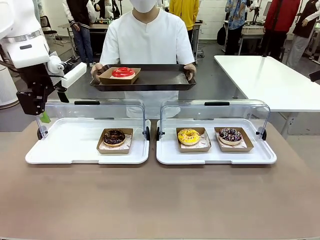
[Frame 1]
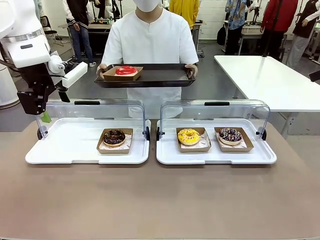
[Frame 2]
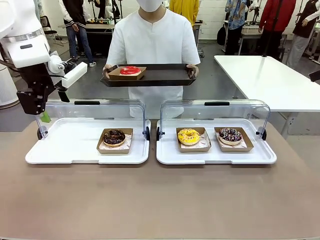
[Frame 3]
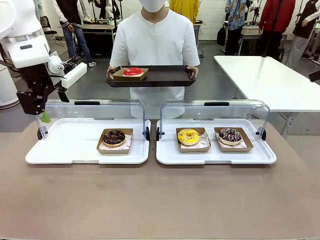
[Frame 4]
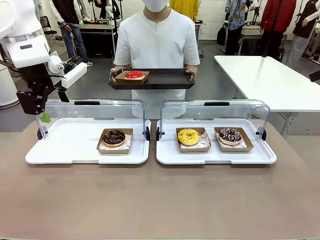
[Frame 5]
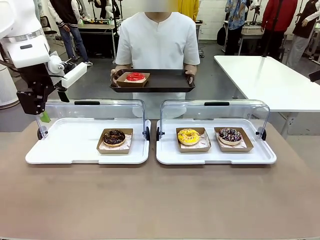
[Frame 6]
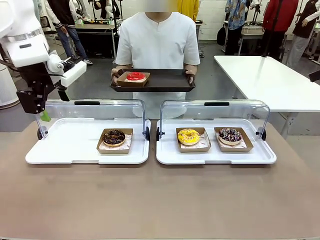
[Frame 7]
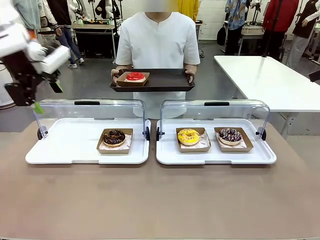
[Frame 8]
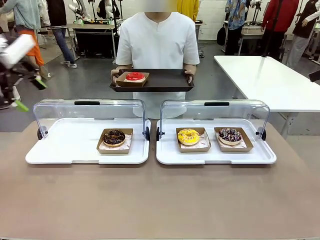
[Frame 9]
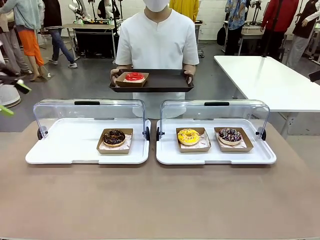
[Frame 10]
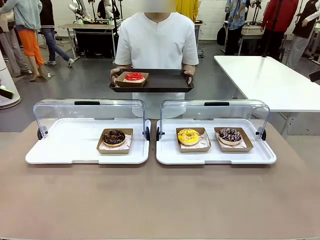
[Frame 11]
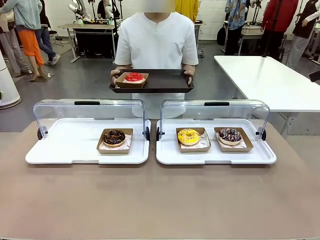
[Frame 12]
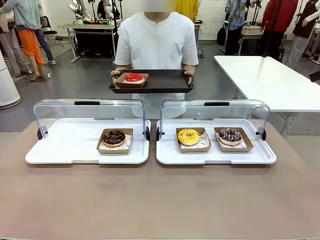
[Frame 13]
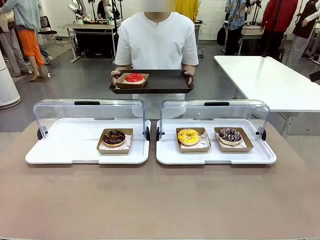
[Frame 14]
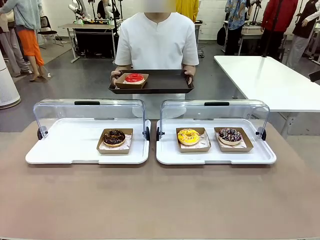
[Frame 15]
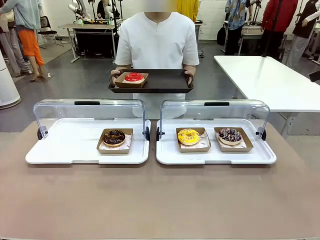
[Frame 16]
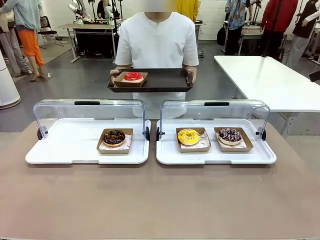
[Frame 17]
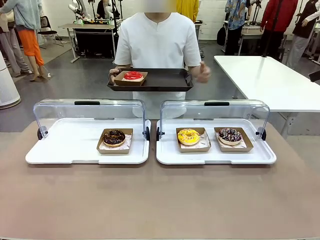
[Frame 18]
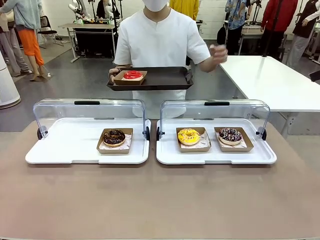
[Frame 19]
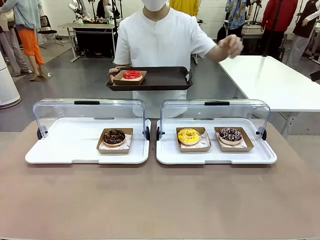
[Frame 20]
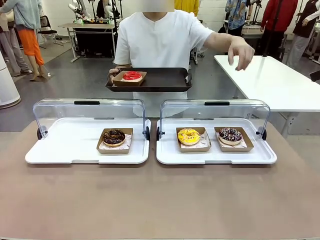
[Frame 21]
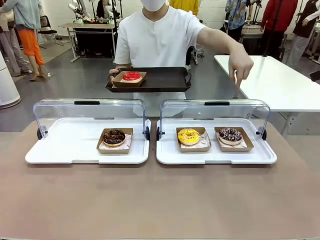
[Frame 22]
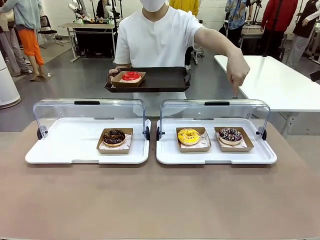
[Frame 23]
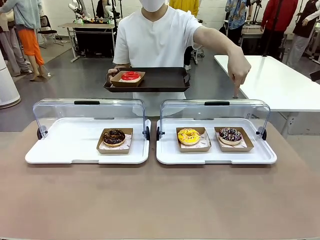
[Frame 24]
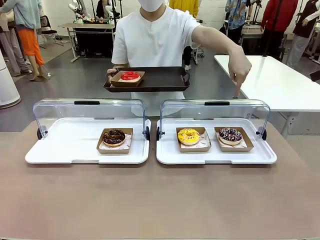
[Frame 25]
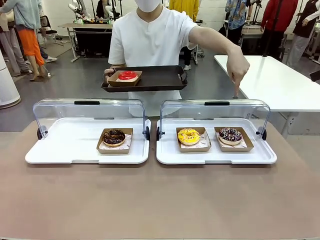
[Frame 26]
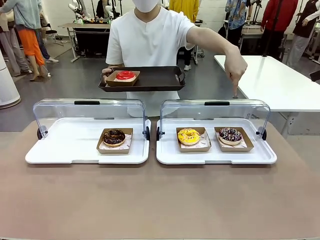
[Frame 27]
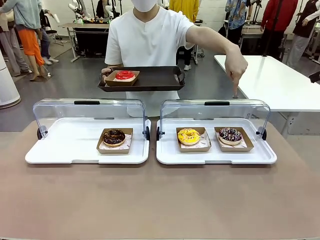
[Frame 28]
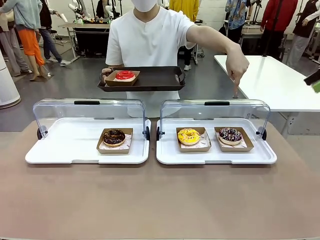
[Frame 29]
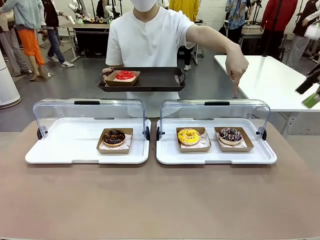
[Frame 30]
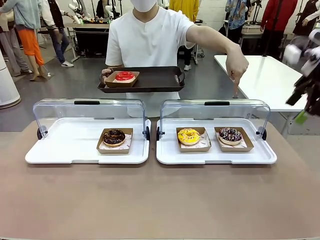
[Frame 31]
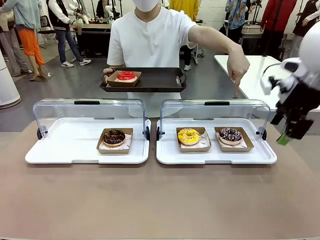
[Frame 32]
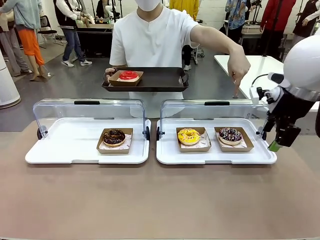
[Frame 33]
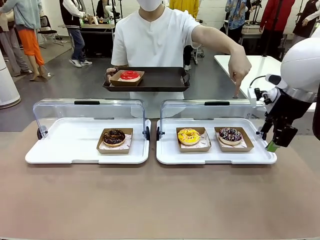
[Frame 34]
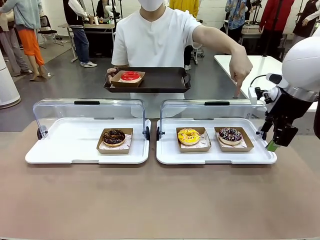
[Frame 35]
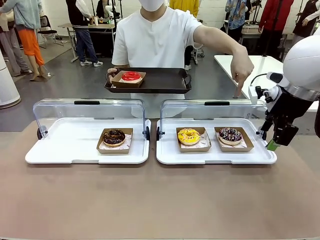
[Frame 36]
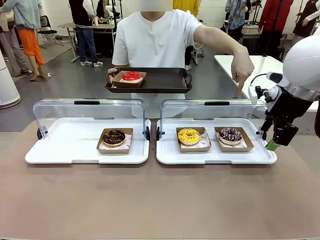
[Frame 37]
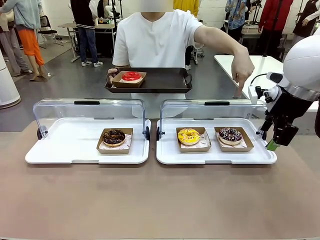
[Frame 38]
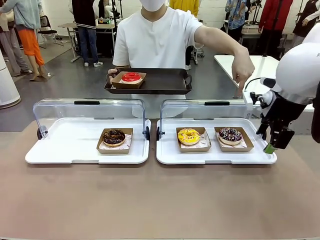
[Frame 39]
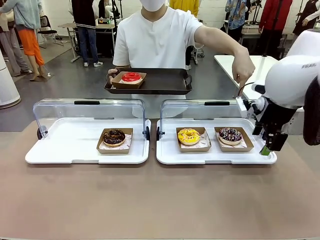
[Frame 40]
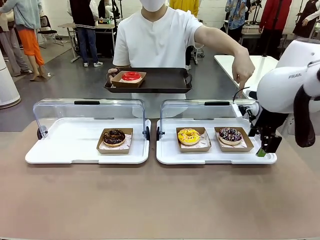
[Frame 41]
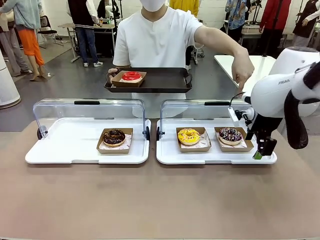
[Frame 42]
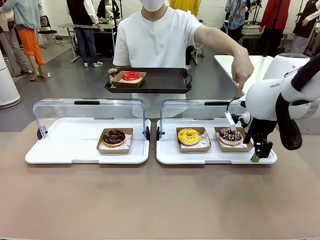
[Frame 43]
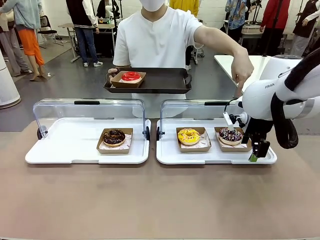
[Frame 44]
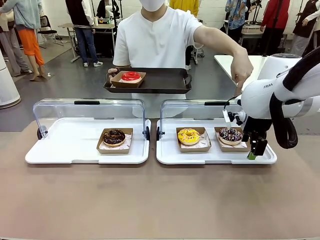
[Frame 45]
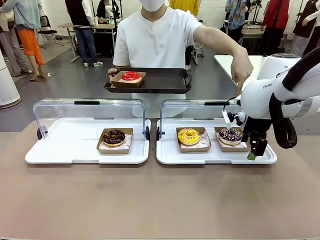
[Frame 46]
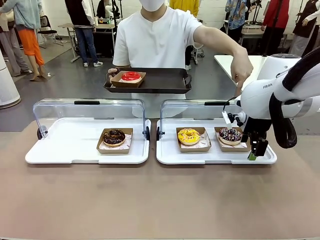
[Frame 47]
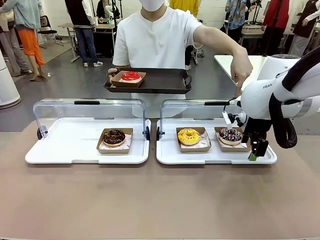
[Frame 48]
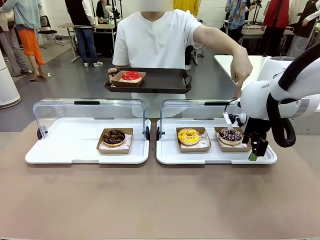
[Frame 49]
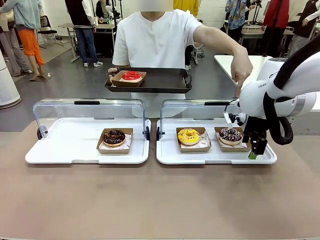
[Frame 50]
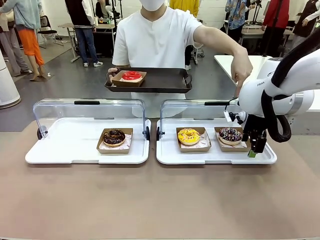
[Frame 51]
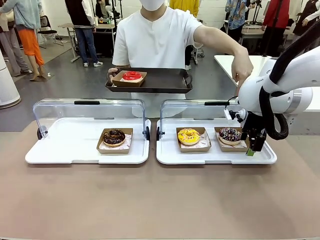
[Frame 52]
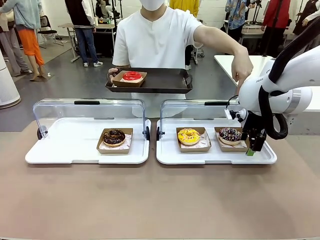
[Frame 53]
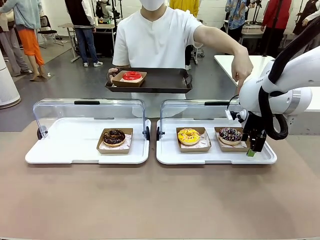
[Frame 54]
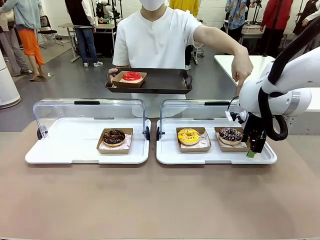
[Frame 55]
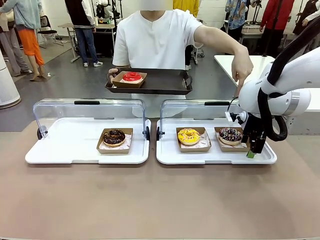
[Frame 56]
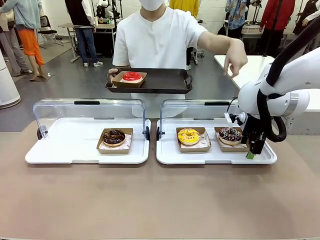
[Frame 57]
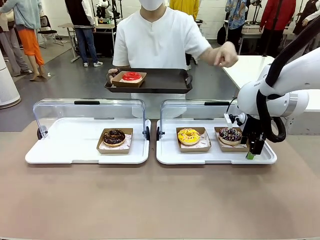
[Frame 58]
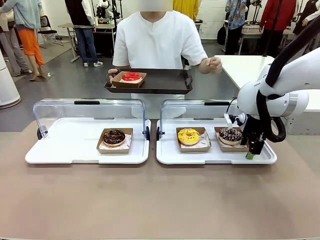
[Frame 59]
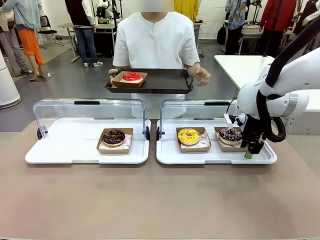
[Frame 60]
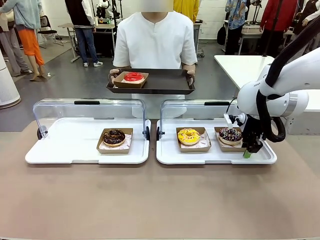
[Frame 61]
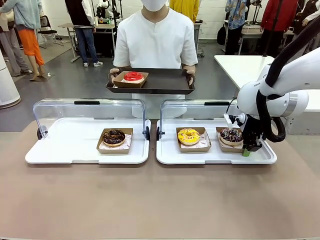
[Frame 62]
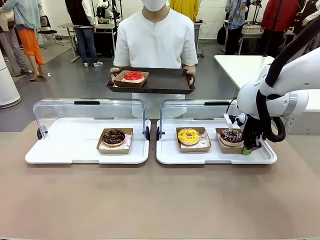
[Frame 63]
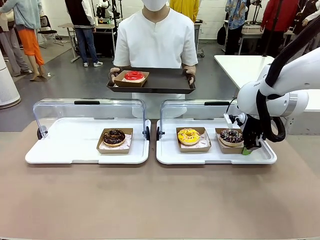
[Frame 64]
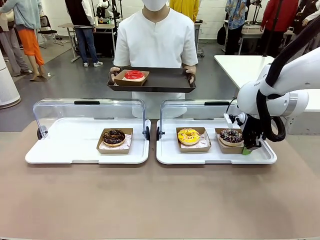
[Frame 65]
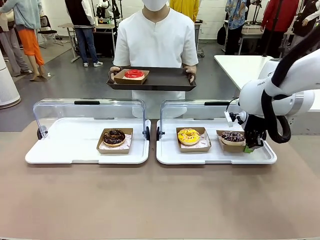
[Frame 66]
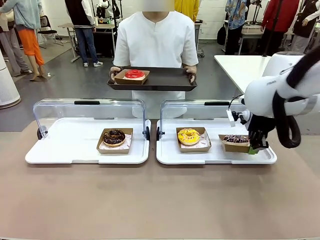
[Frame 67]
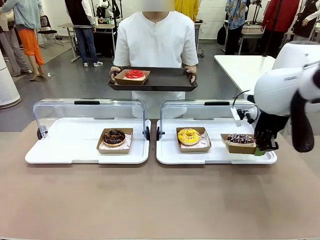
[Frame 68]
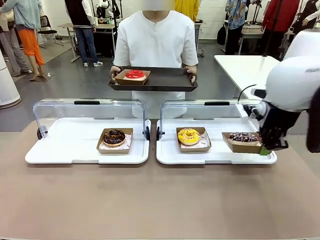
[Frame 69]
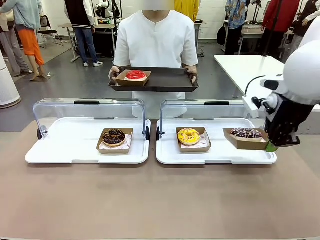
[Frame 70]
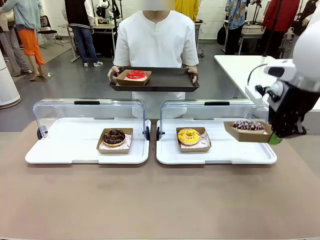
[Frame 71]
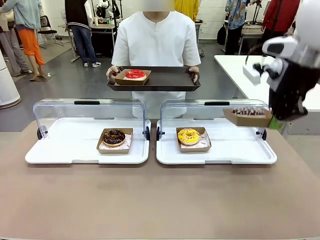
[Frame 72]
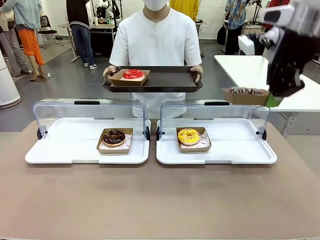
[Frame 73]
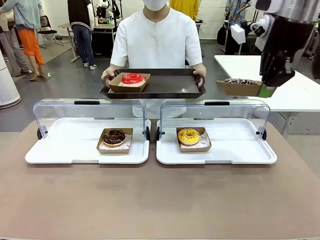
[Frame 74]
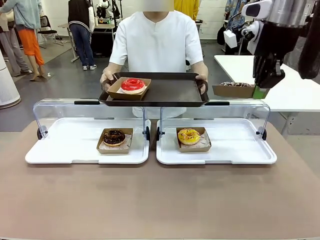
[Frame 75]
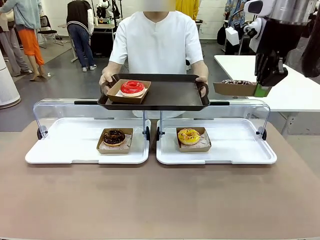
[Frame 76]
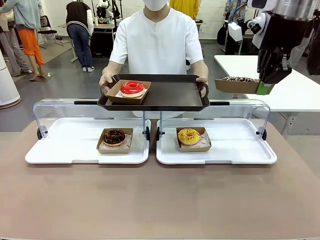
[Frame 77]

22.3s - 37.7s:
Task: Provide the desired donut to the person.
Robot: Pick up and lift the Paper togo box containing the Donut pointed at by the person.
Person: Point to one donut. Lift the tray onto the Roll-Top Bakery Case.
